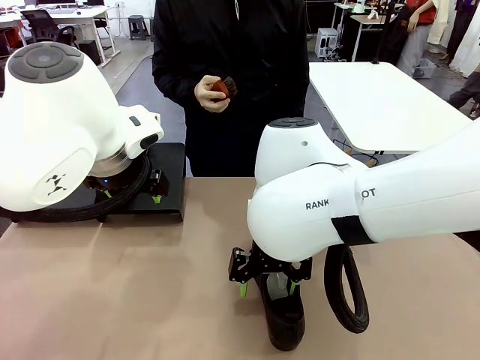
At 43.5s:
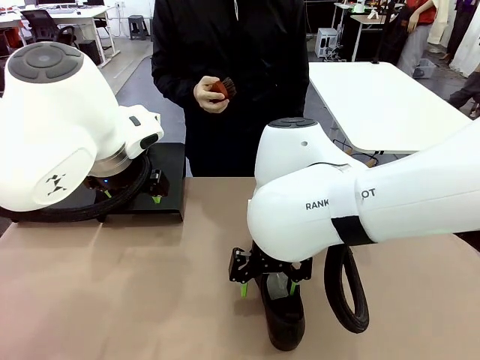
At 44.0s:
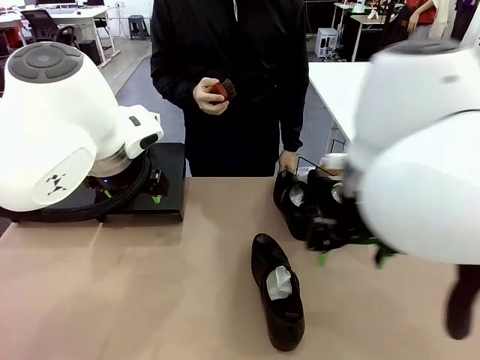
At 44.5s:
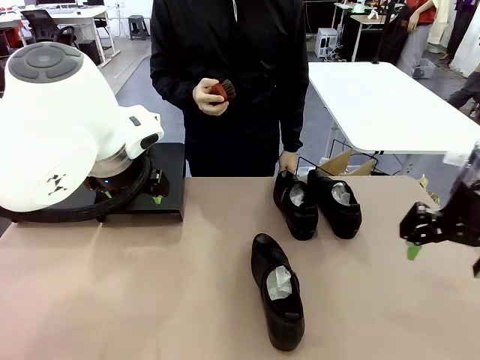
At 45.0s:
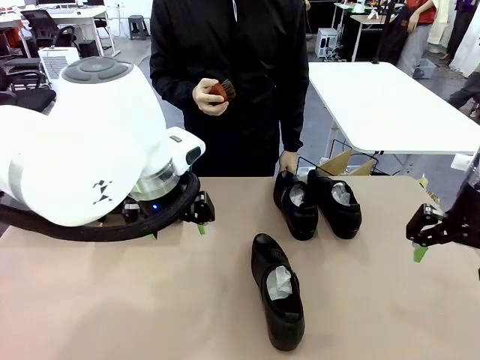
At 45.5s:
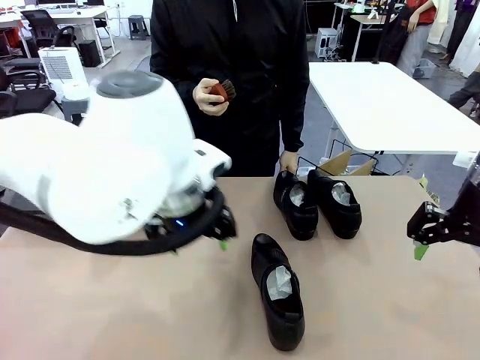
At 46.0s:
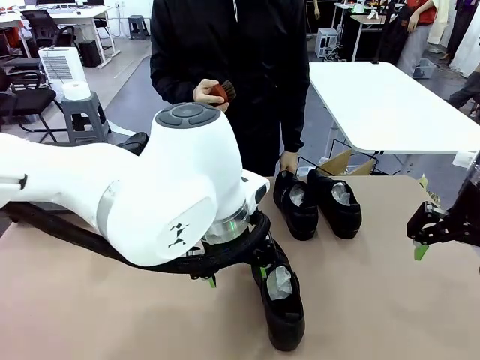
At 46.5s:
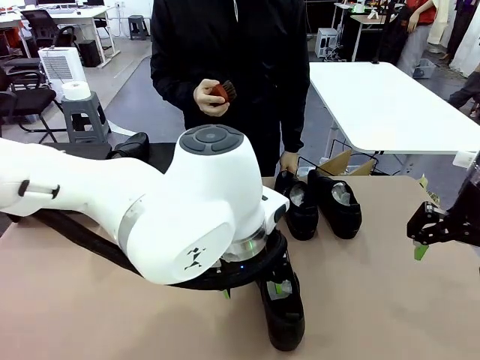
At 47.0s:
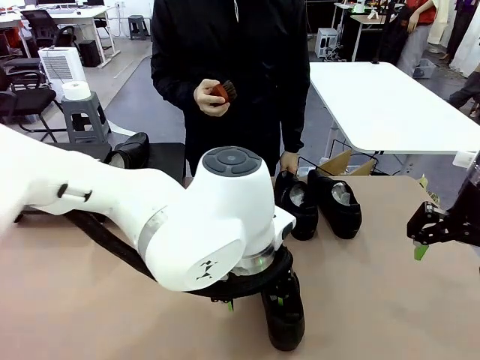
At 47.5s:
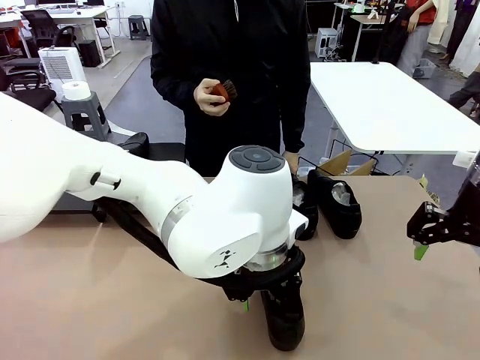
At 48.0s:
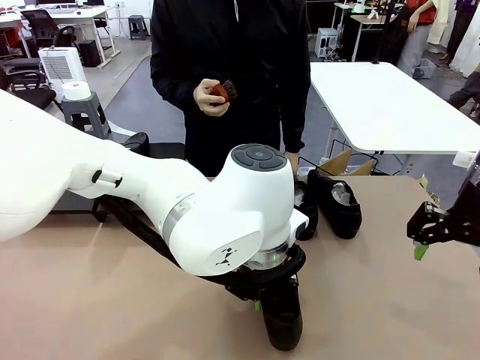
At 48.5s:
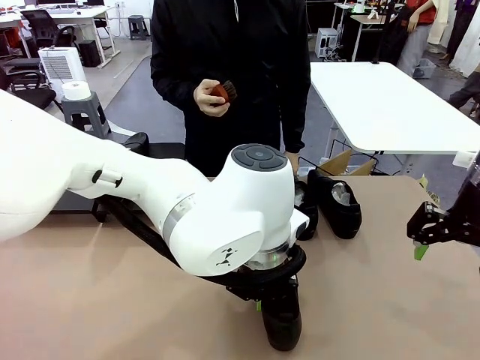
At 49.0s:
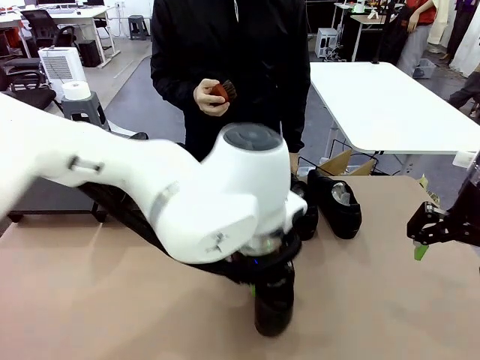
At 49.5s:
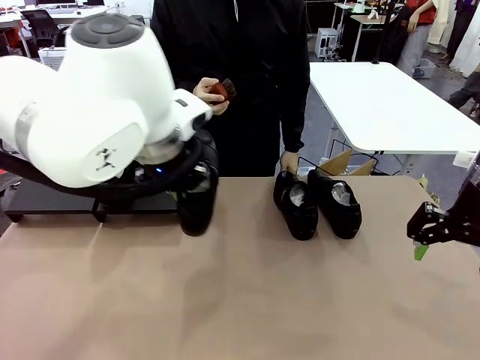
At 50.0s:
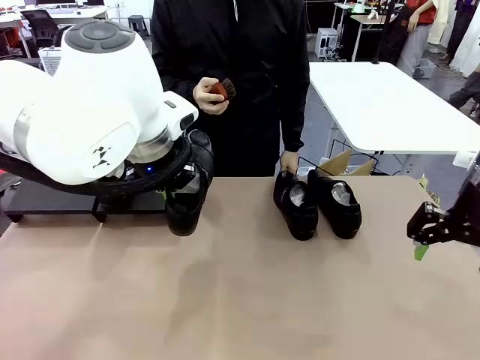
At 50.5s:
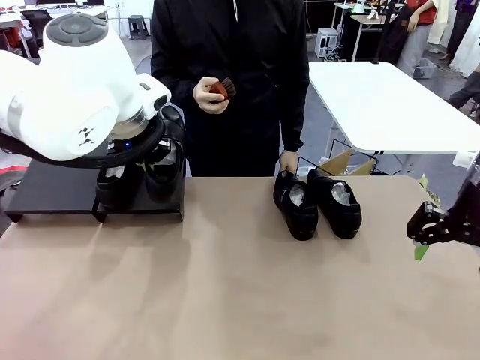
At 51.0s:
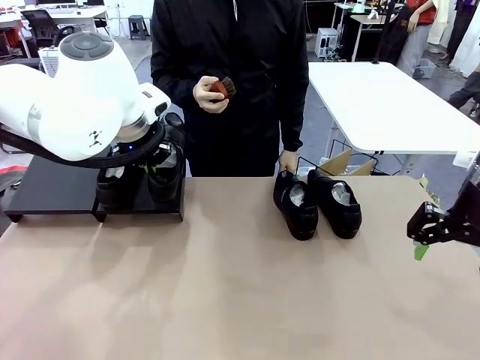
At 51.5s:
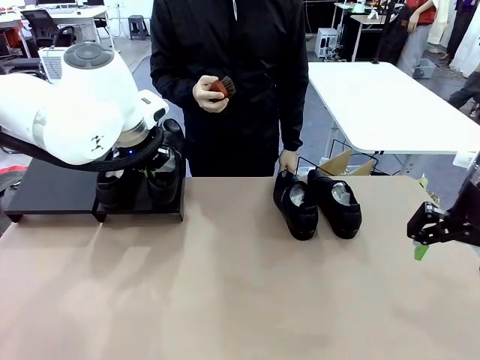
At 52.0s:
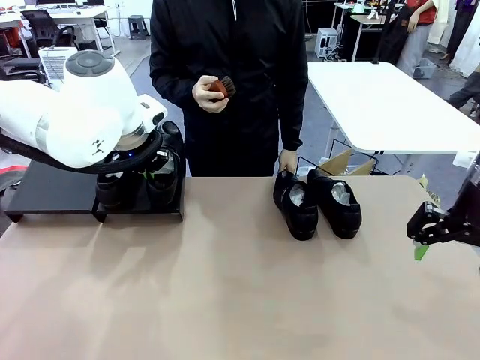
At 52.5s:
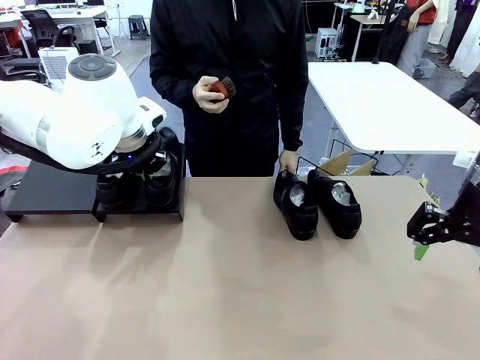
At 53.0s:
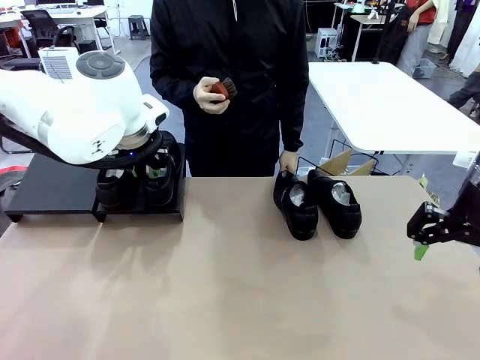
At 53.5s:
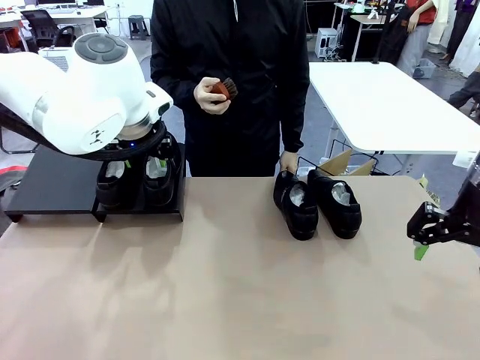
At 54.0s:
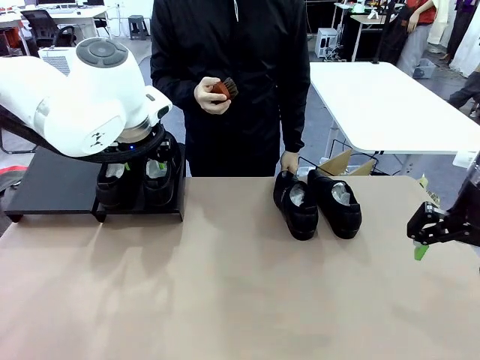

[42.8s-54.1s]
Task: Organize the shoes by placing them on the stand.
Robot: Place the Shoe from the middle of the table onto the Shoes Stand.

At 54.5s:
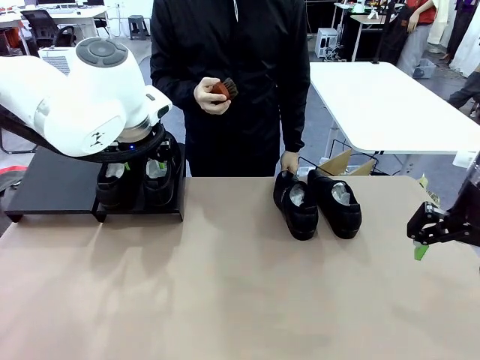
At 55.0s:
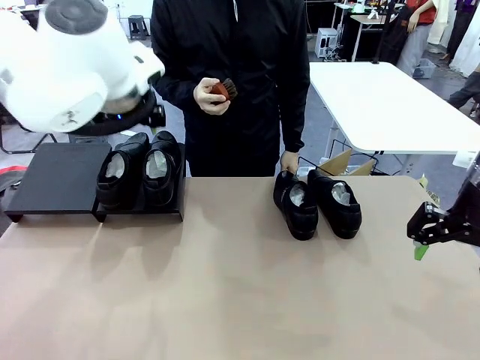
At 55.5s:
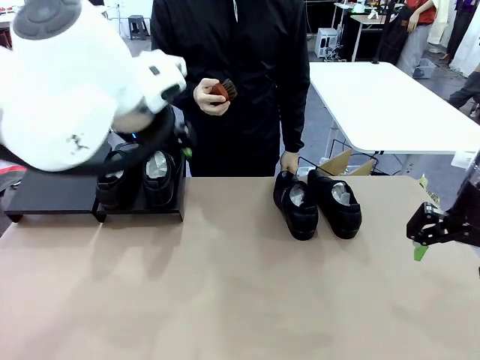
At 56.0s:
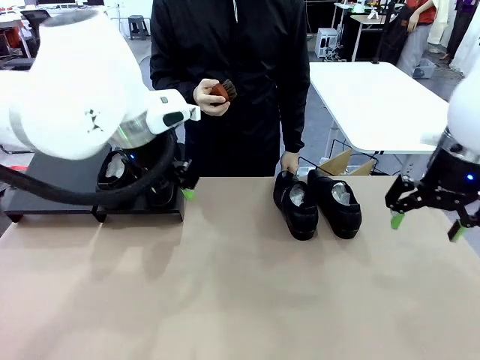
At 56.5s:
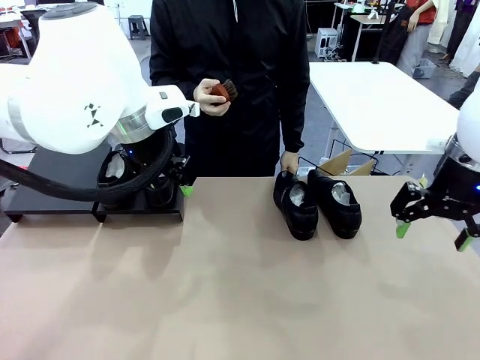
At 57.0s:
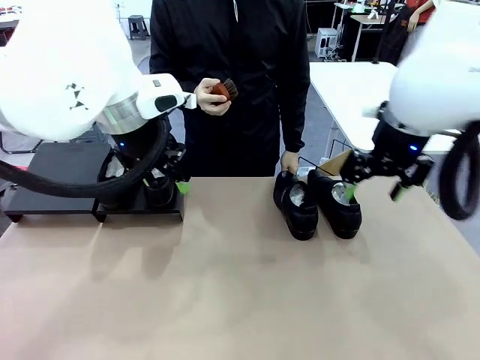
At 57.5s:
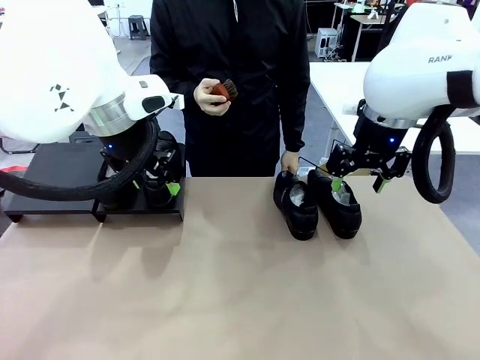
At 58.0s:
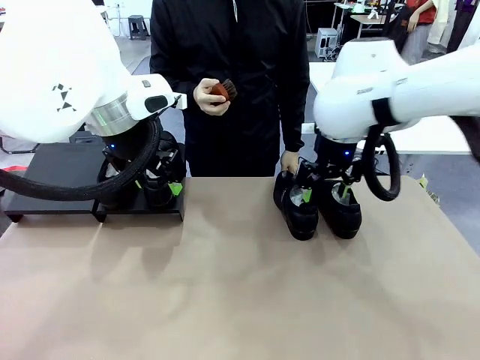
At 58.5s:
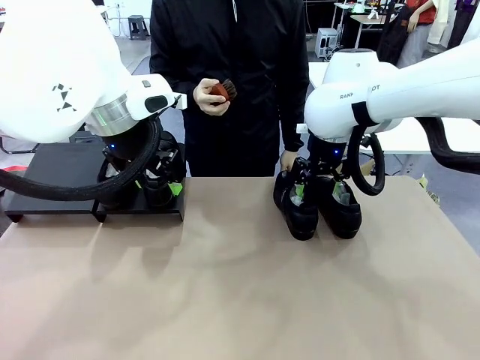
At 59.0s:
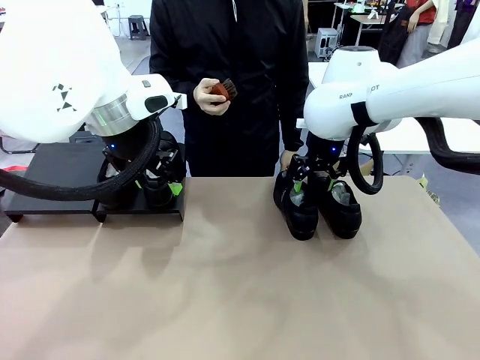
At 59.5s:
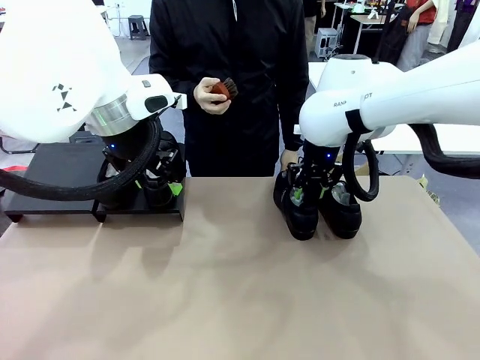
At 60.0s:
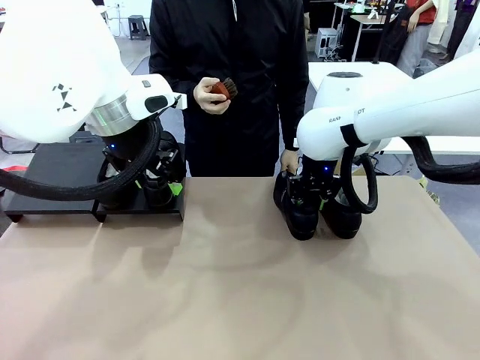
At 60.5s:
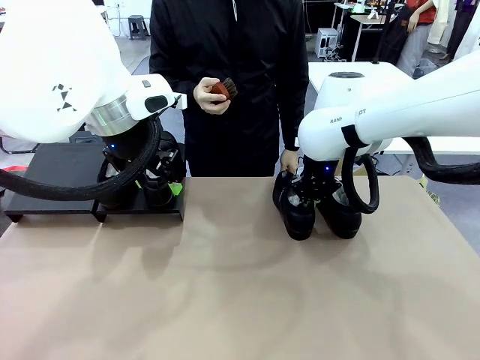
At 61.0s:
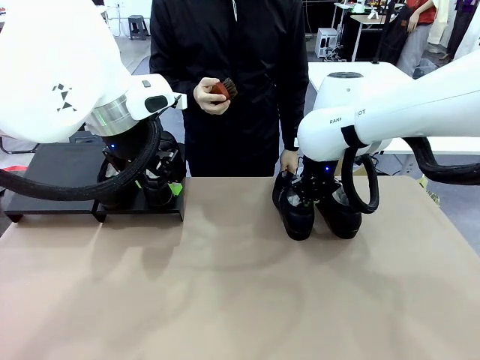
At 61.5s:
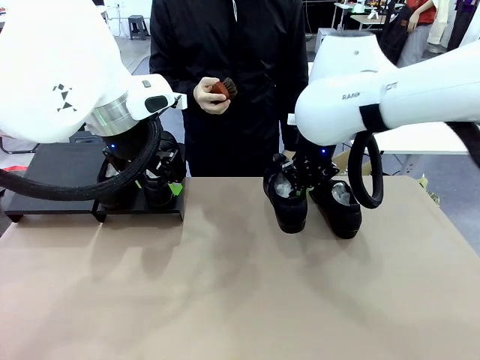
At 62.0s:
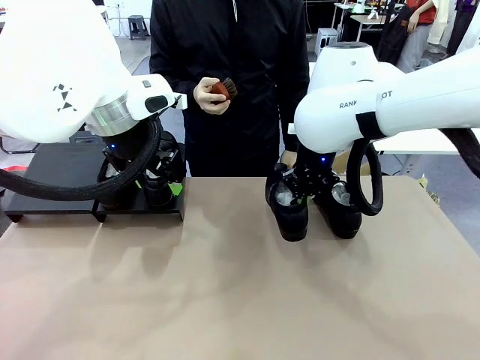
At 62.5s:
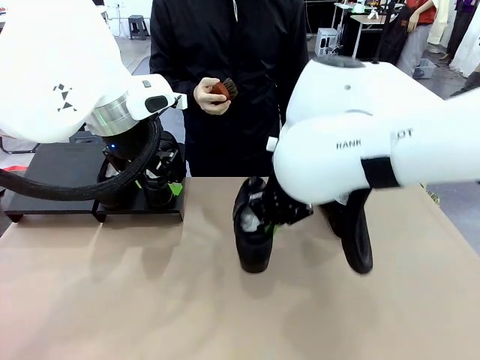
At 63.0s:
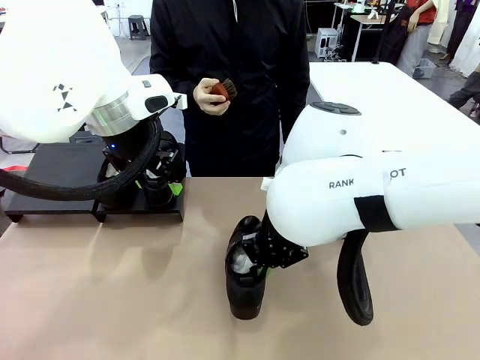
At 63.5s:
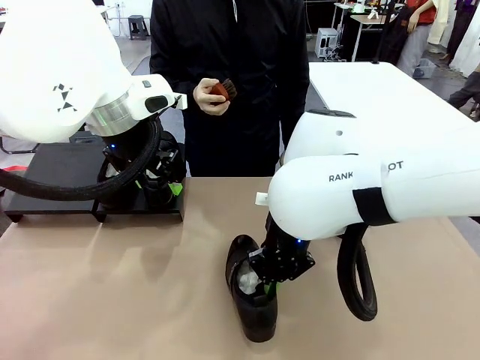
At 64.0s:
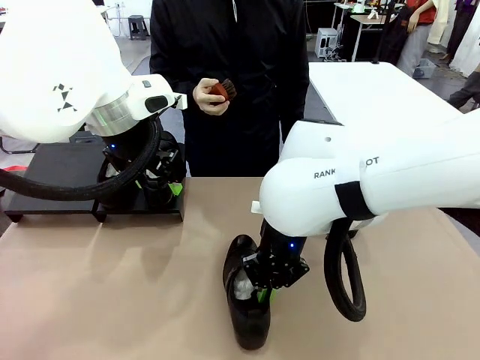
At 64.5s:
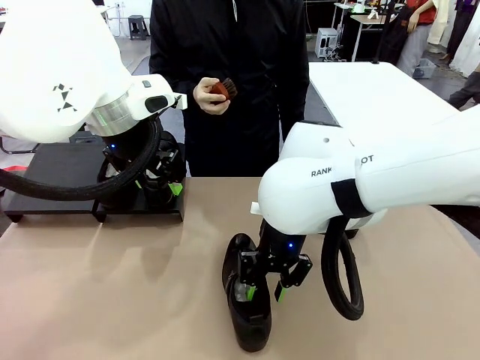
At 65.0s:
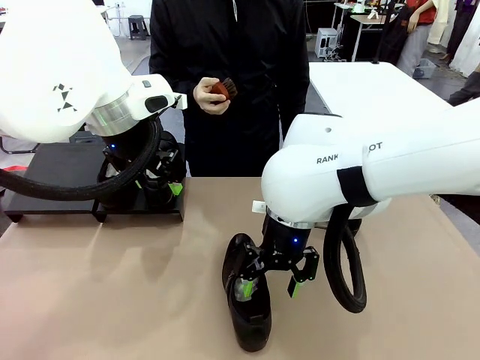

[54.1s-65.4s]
Robot: Pick up one Shoe and place it in the middle of the table.

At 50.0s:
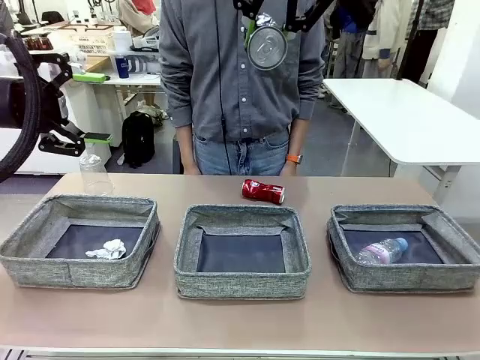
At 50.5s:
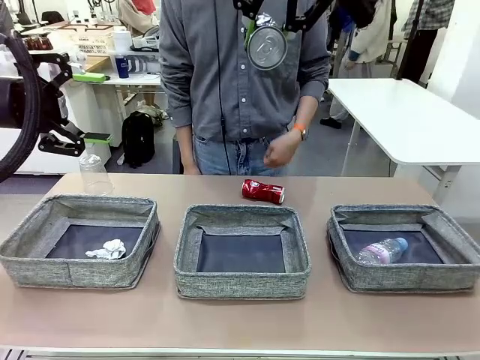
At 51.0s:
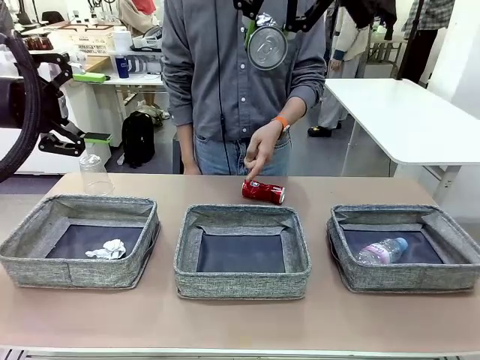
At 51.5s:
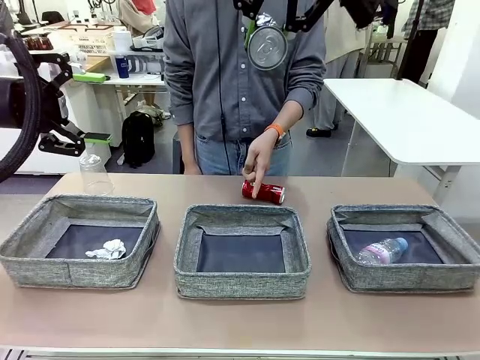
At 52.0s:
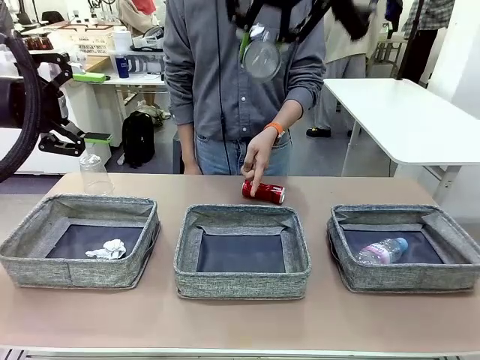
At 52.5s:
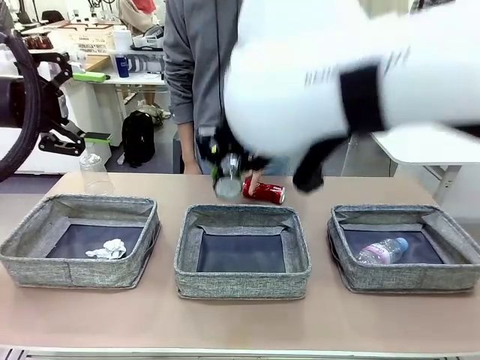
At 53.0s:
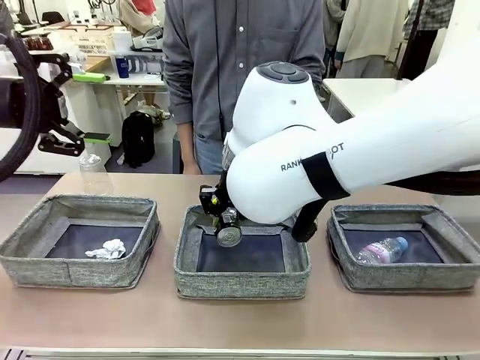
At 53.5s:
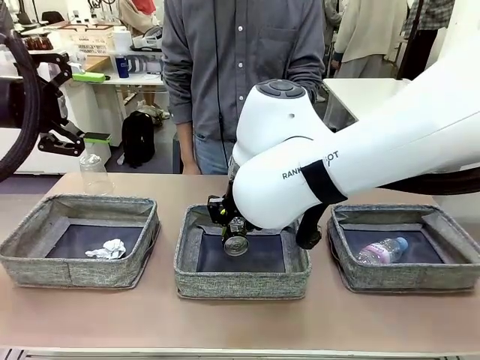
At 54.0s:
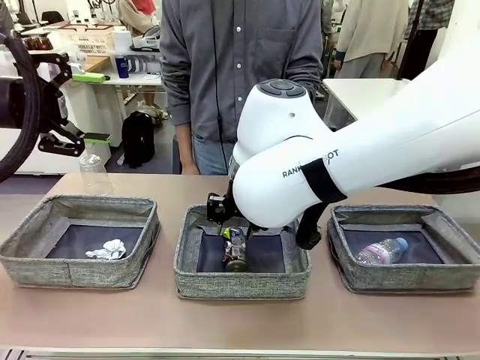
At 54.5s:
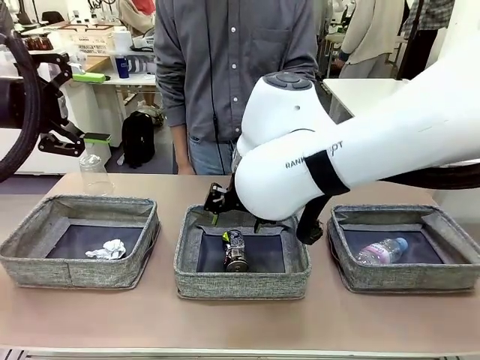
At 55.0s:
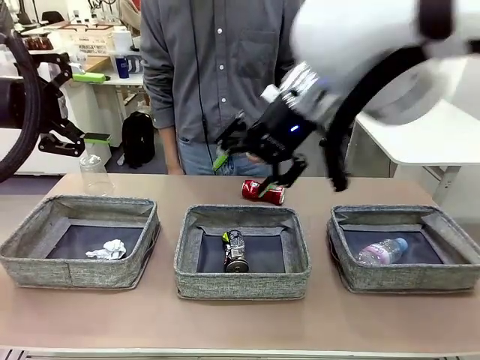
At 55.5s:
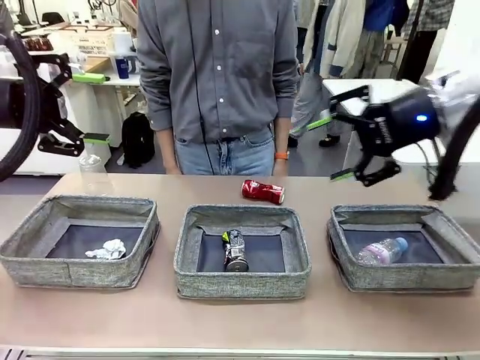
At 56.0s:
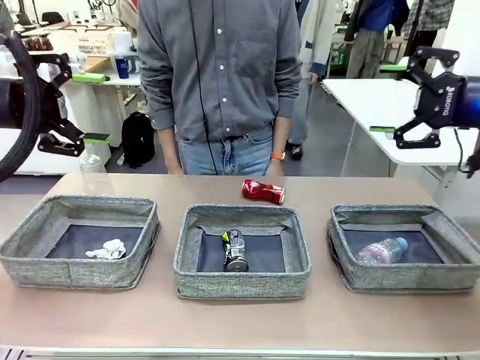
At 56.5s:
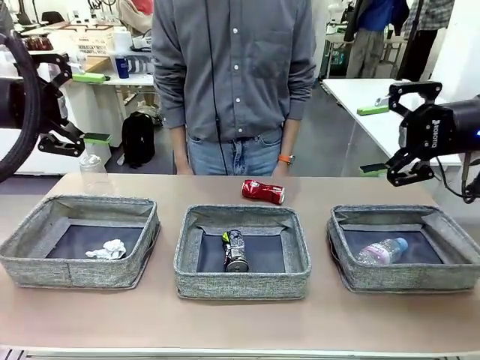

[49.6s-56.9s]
Task: Sort the waste into the appropriate baskets.
Robot: Place the picked waste into the Fabric basket indicated by the person.
Person: Instructs the robot to place the picked-up trash into the appropriate organizing basket.
